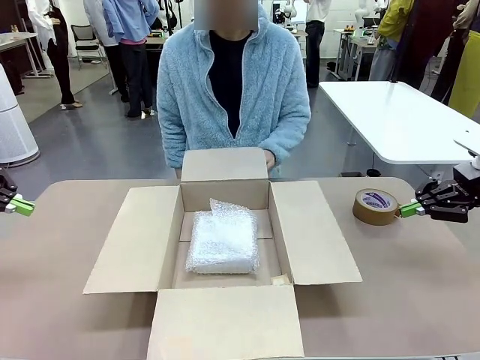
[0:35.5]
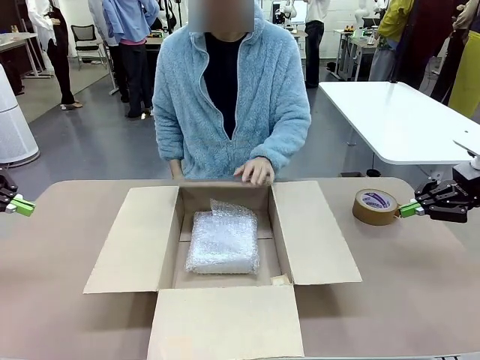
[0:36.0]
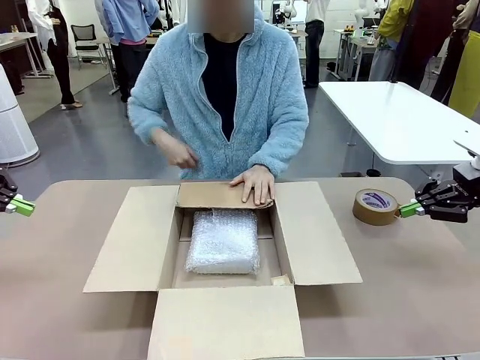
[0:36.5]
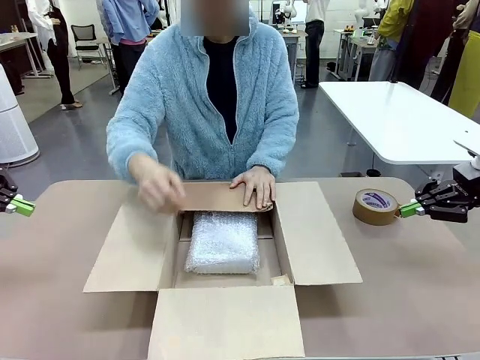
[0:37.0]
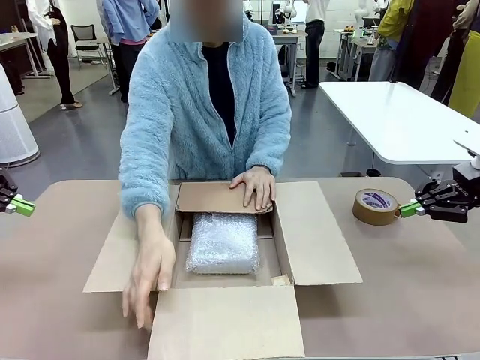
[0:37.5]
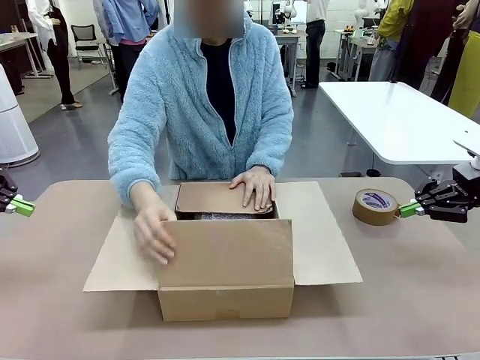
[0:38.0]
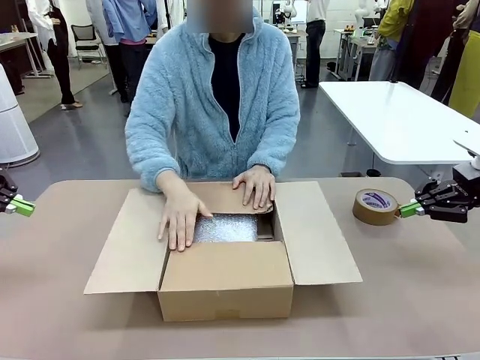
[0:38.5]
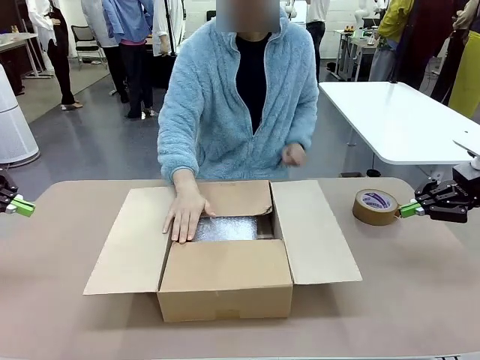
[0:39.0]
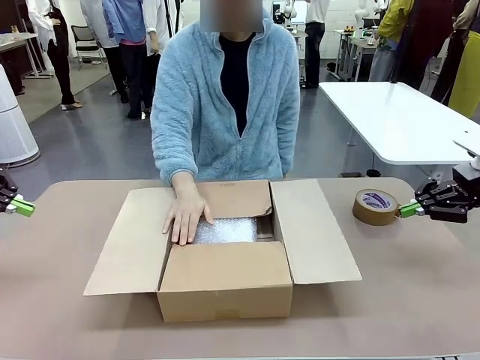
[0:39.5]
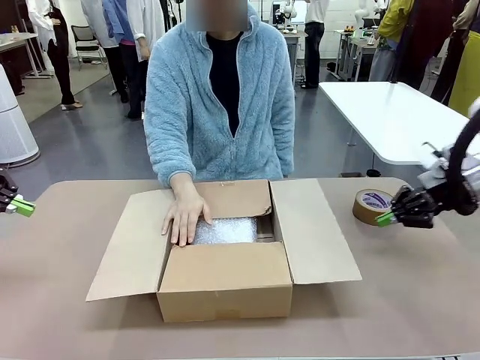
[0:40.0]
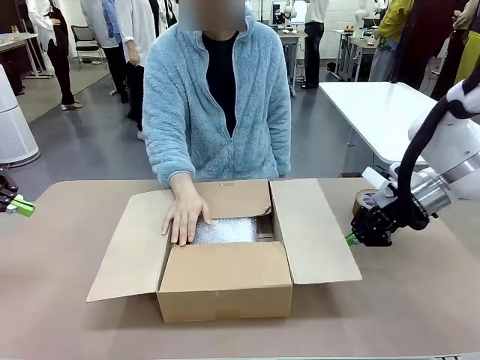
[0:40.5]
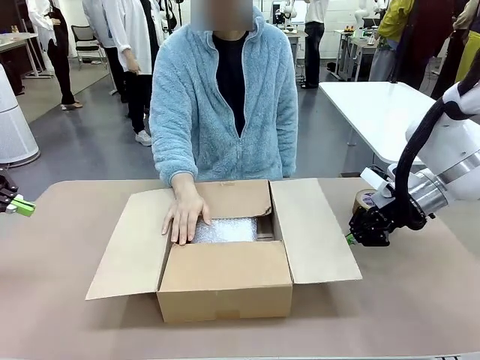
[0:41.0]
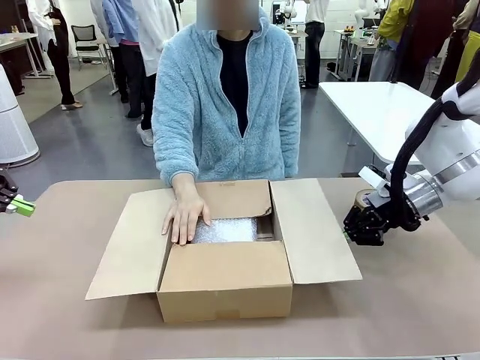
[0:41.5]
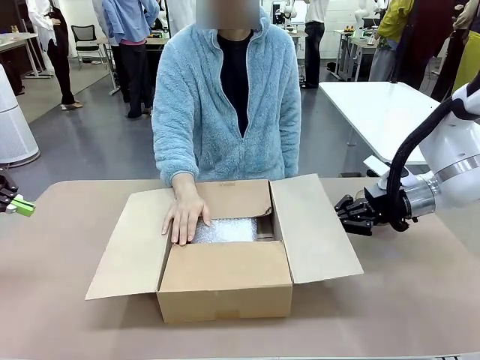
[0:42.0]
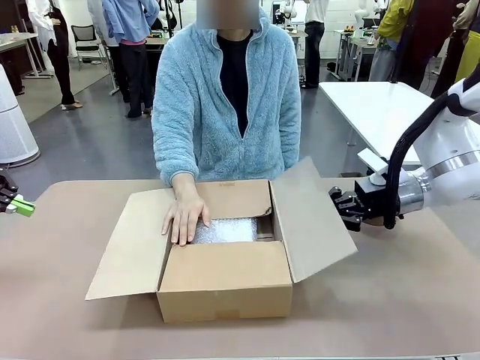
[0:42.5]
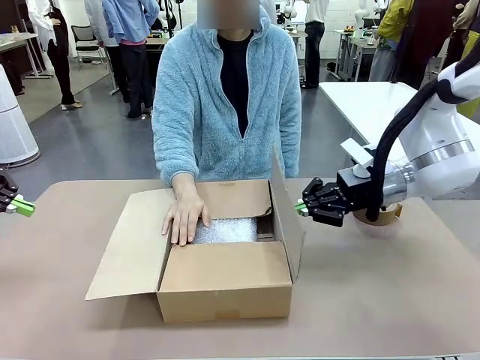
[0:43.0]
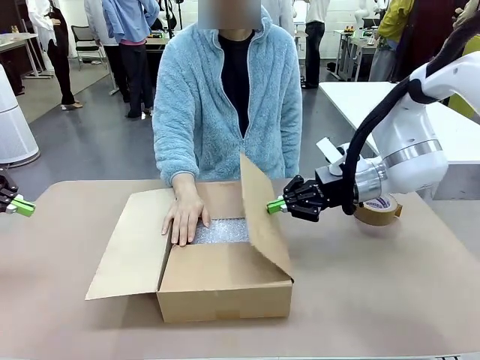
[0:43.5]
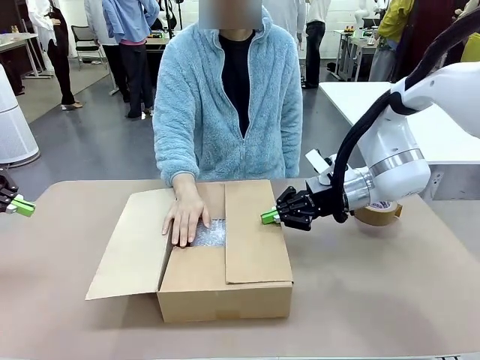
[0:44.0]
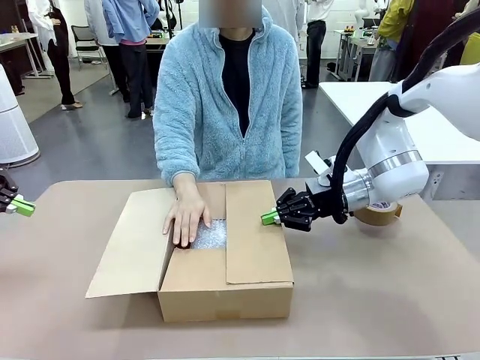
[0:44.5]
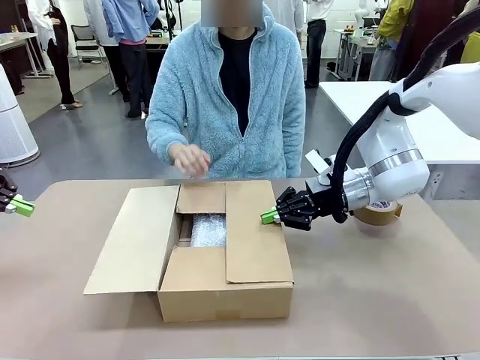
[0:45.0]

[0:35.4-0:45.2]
Task: Wrap the clocks to prevent damage.
Robot: Push the right (or left) flap of the Package Box to close it.
Person: Once the robot closes the right flap of the Package Box , release your left hand from the box.

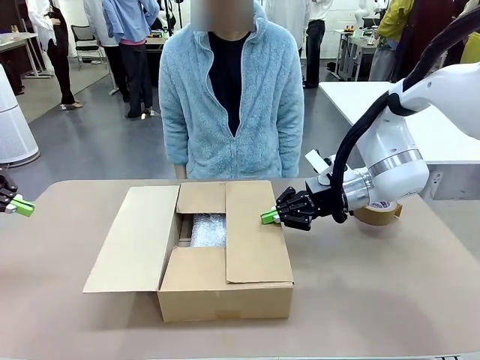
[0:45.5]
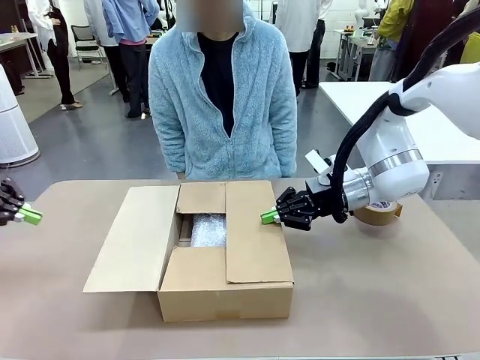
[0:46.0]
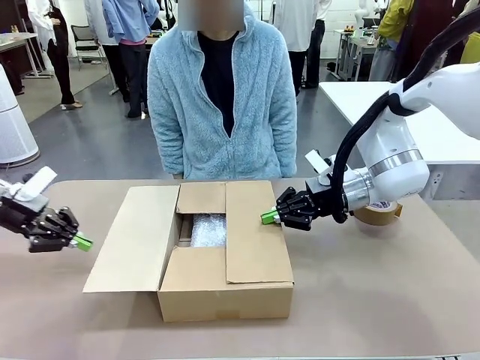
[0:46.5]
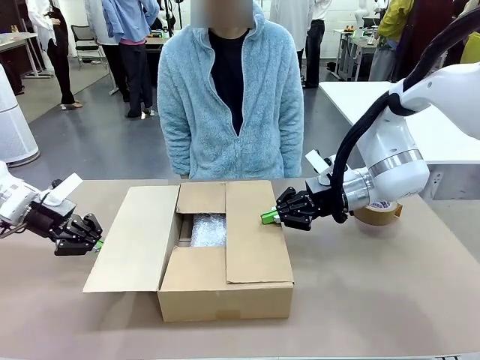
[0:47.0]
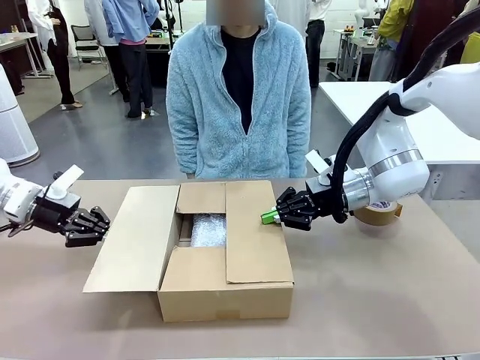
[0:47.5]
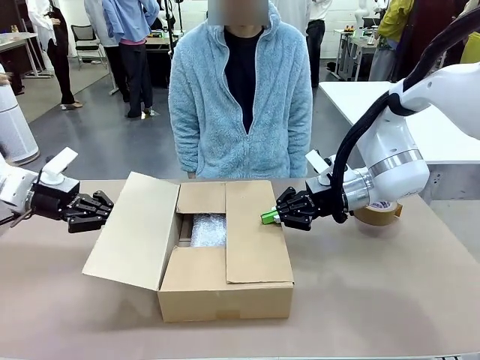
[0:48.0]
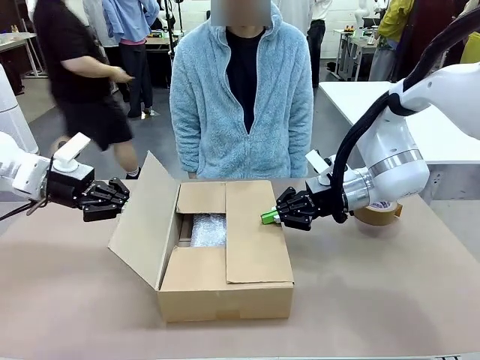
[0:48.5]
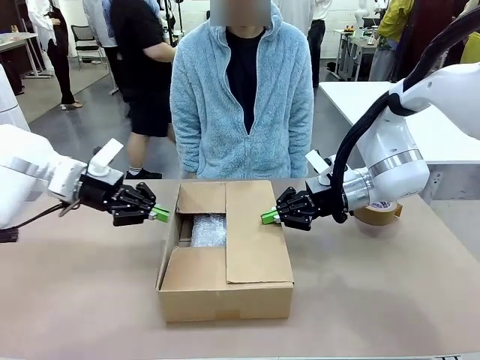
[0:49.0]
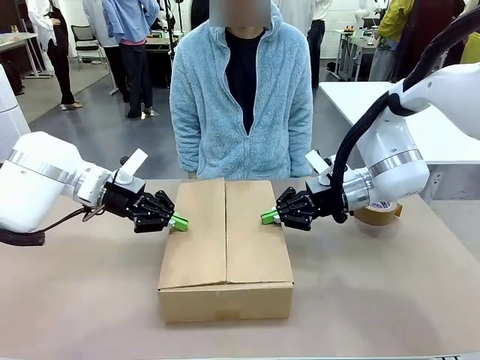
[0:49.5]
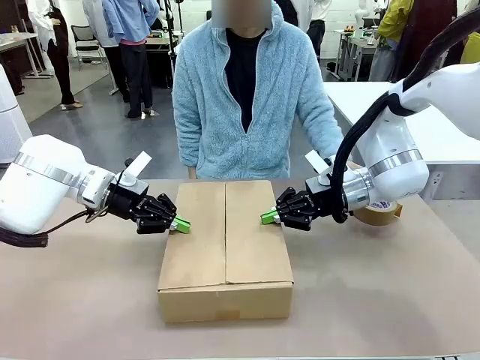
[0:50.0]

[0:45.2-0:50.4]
Robot: Push the left (or right) flap of the Package Box to close it.

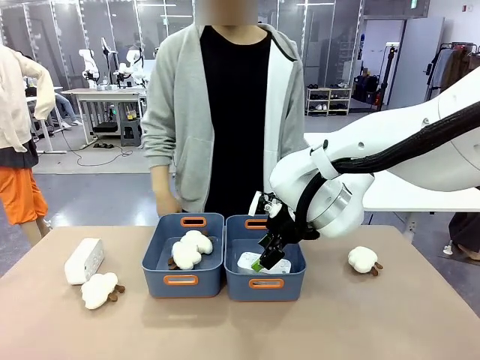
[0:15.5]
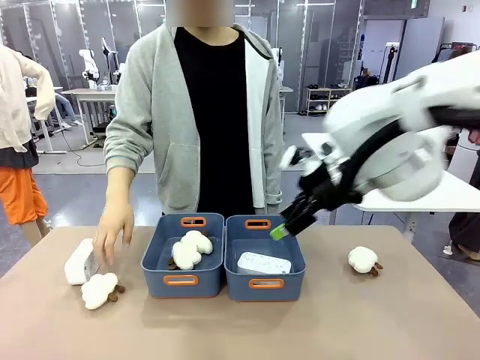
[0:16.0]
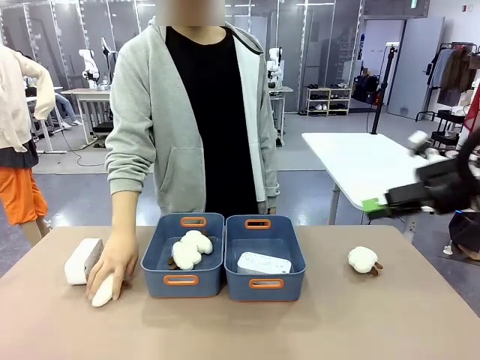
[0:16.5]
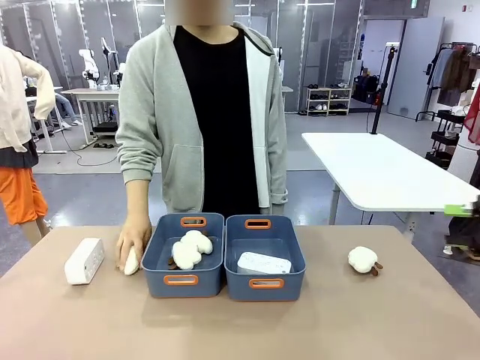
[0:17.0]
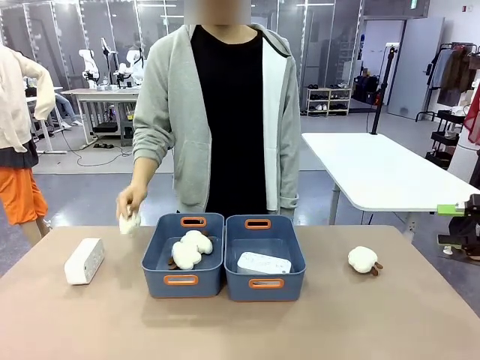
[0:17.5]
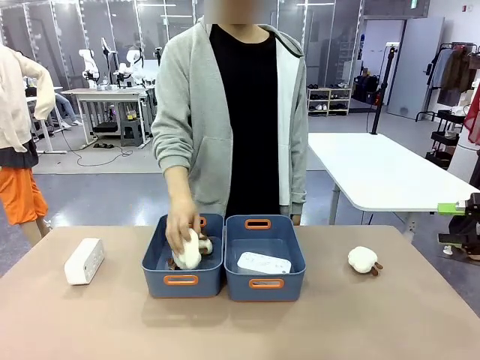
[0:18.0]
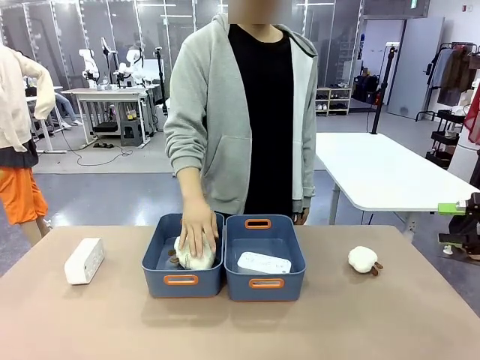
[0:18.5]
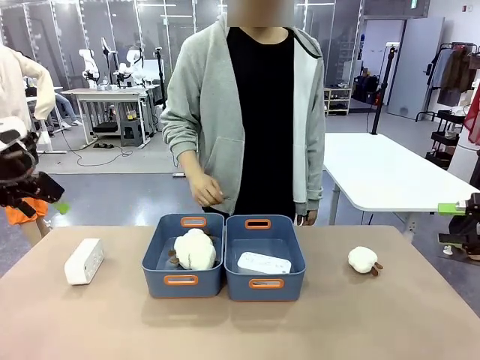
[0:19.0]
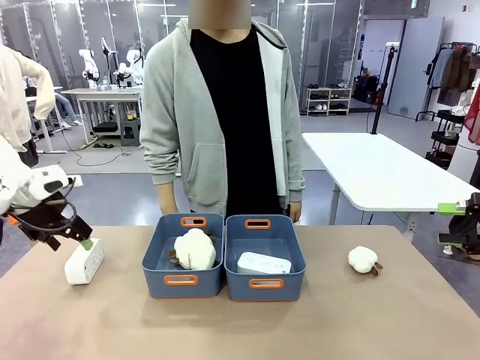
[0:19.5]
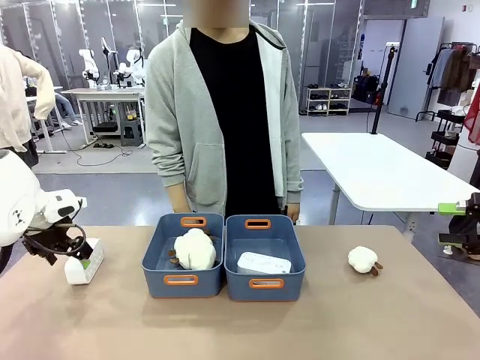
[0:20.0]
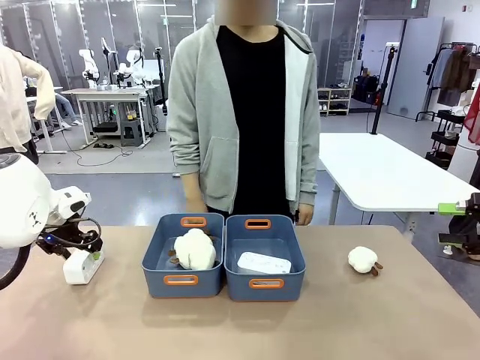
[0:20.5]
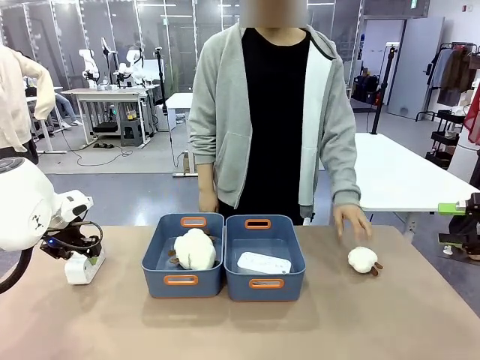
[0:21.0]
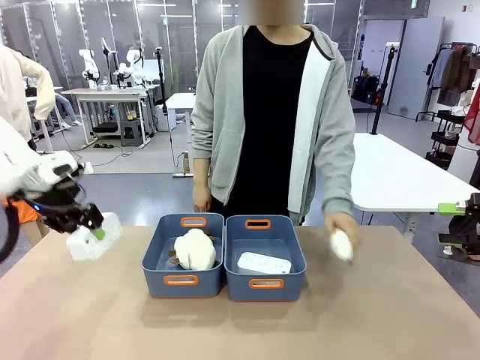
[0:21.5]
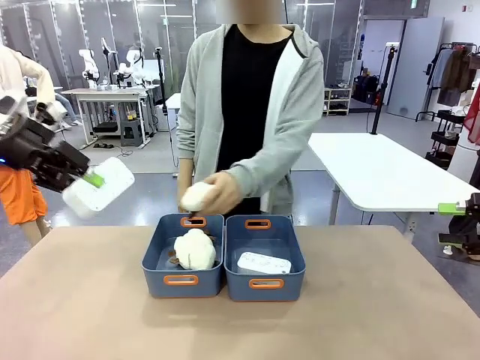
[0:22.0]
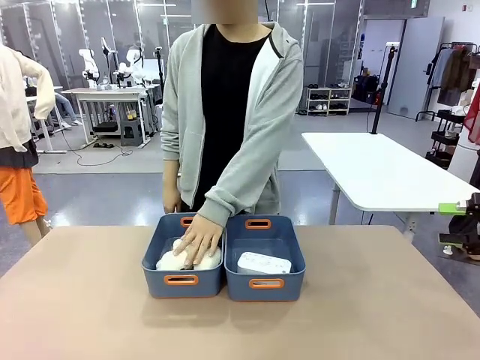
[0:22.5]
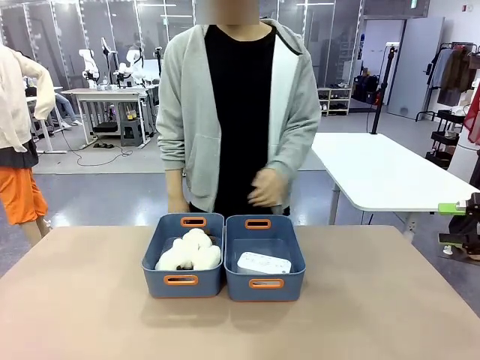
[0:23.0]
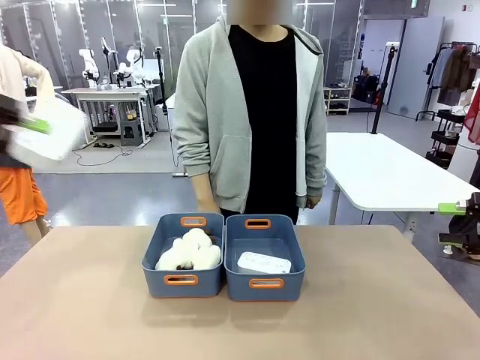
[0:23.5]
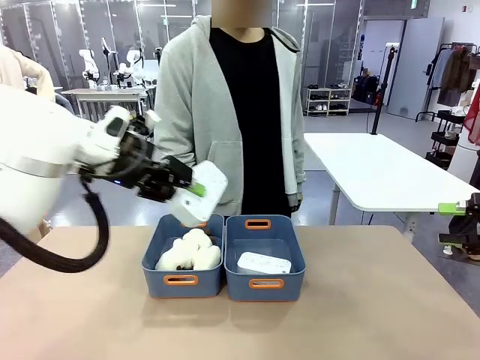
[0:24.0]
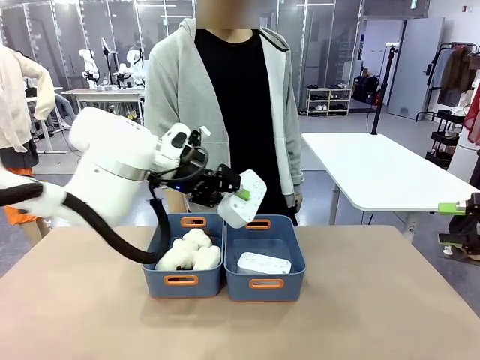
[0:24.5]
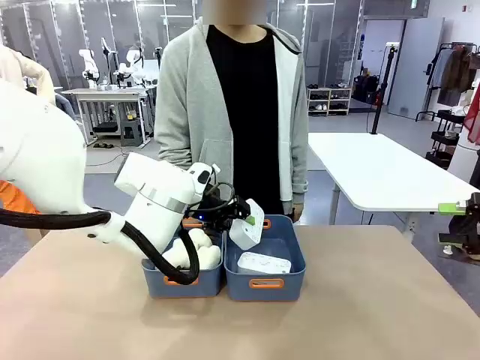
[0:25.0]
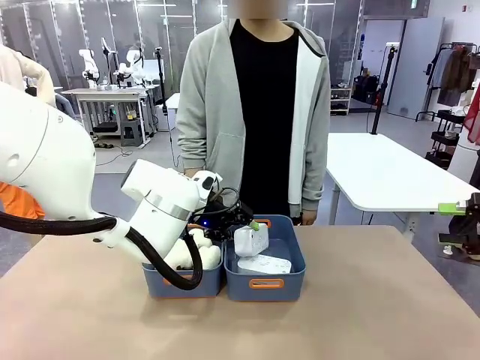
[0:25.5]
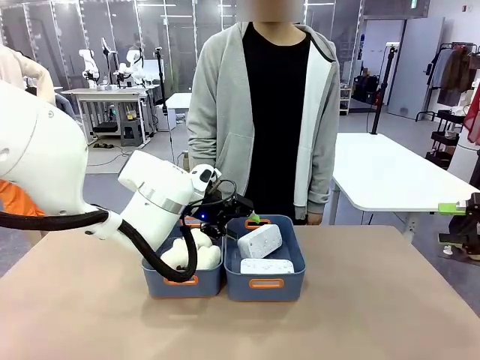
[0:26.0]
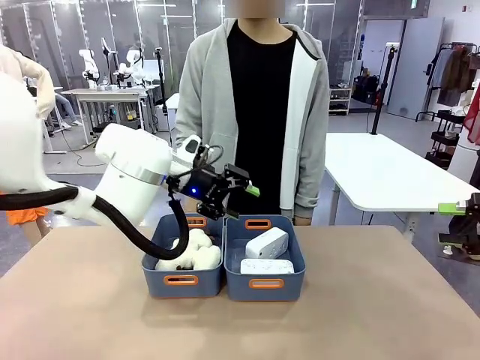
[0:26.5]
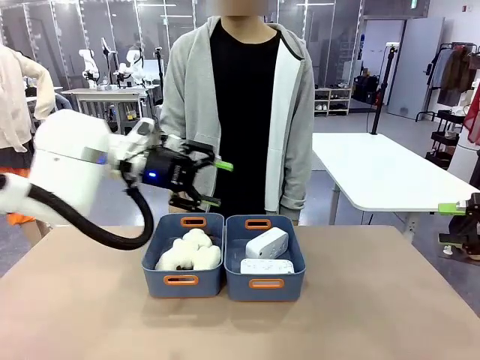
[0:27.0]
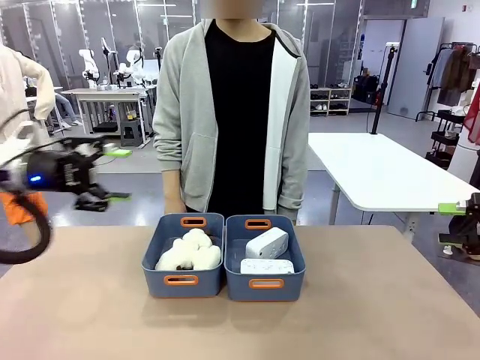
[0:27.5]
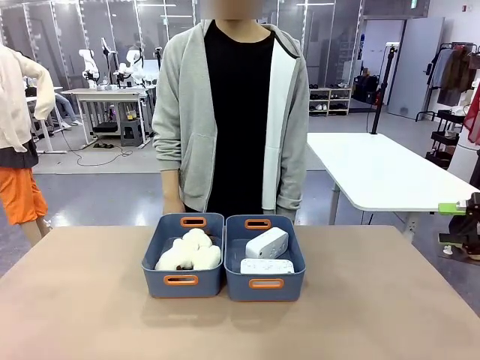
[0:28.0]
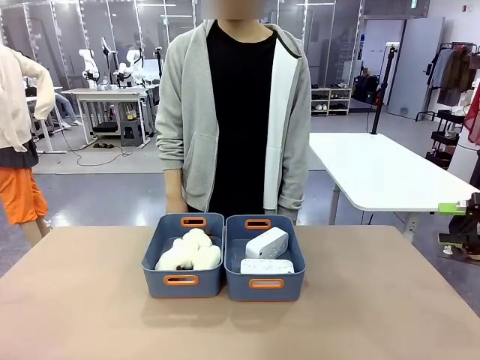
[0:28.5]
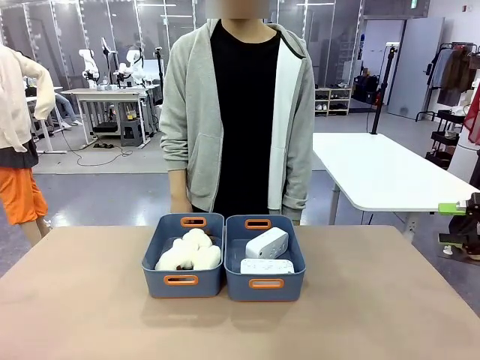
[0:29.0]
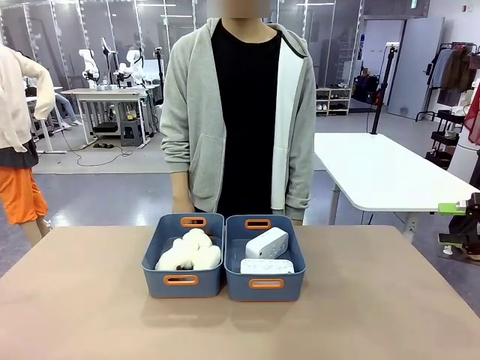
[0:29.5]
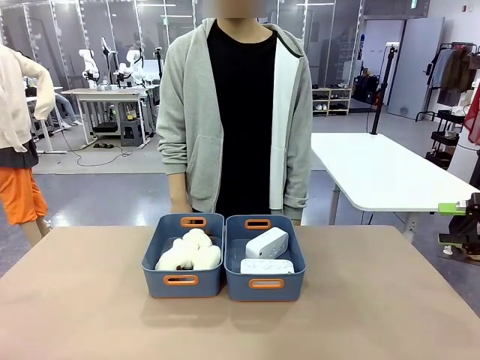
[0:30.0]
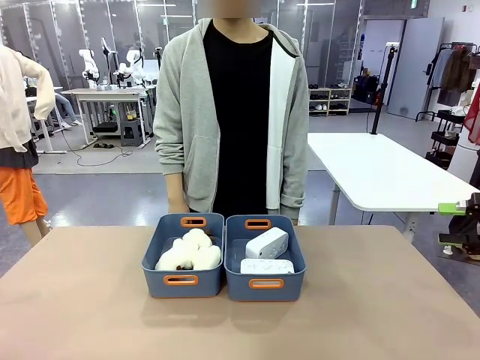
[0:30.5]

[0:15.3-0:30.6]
Task: Sort the digital clocks into the basket.
Robot: Pick up the Digital clock from the table and place it into the empty Plastic storage basket.
Person: Pick up a plush toy from the table and place it in the plastic storage basket containing the plush toy.
